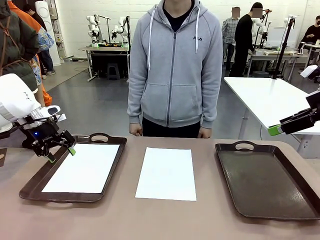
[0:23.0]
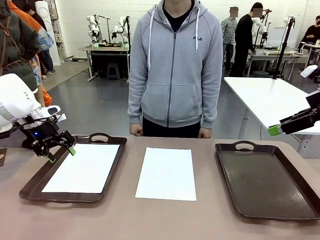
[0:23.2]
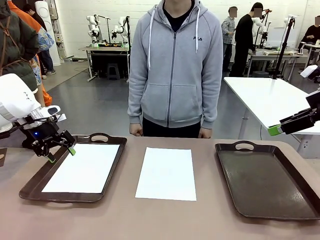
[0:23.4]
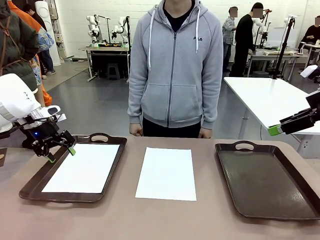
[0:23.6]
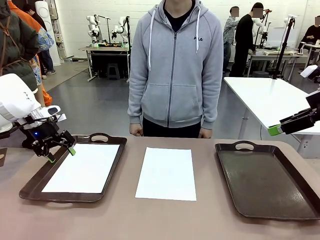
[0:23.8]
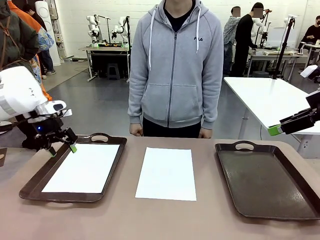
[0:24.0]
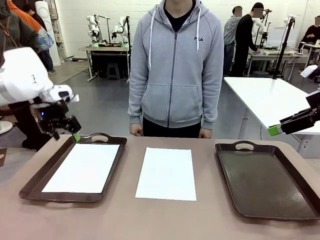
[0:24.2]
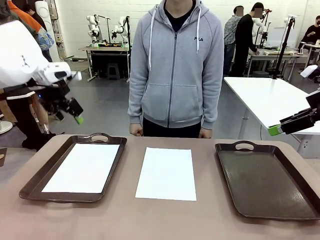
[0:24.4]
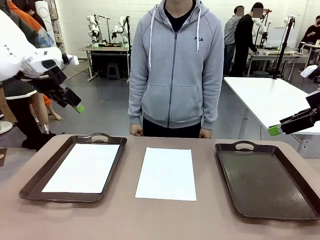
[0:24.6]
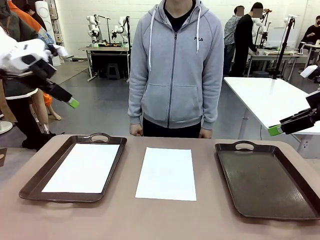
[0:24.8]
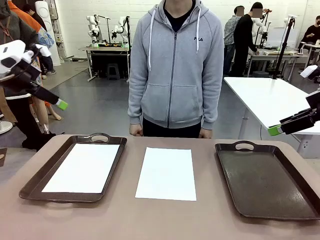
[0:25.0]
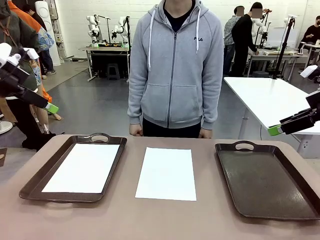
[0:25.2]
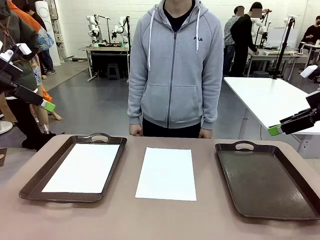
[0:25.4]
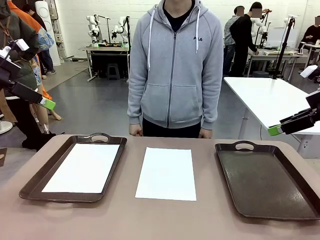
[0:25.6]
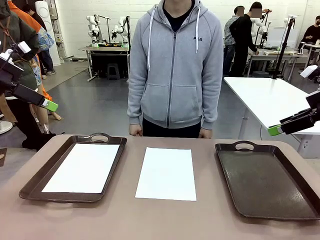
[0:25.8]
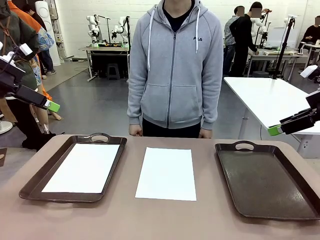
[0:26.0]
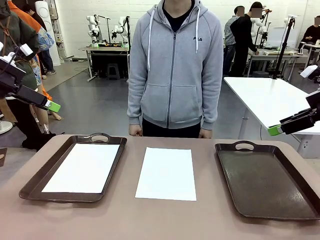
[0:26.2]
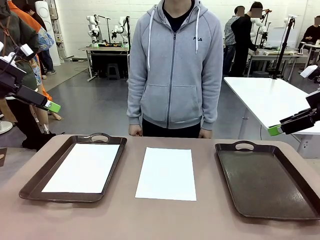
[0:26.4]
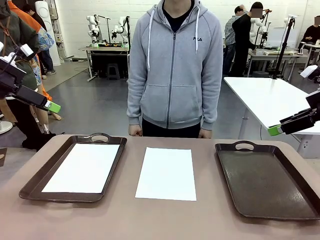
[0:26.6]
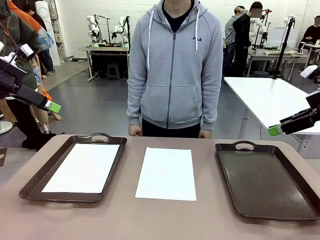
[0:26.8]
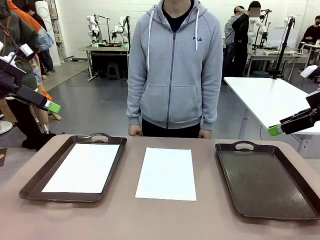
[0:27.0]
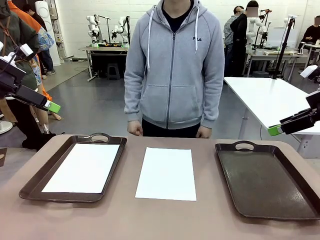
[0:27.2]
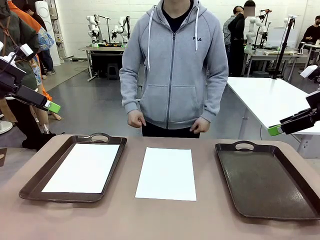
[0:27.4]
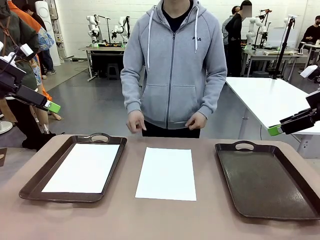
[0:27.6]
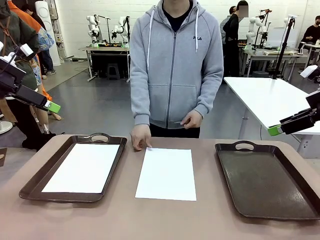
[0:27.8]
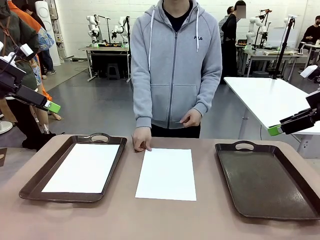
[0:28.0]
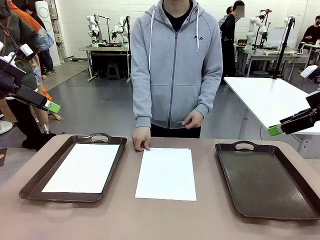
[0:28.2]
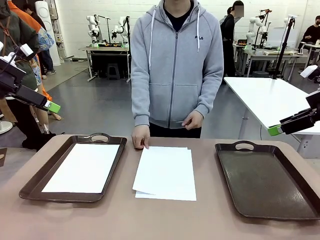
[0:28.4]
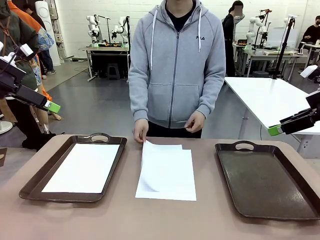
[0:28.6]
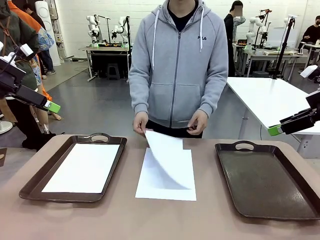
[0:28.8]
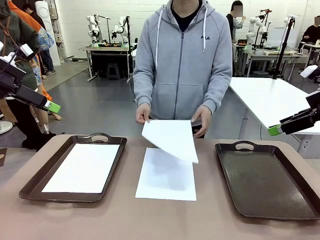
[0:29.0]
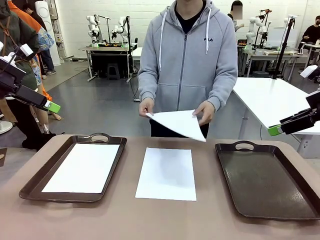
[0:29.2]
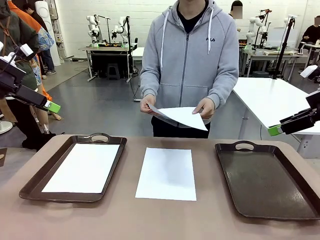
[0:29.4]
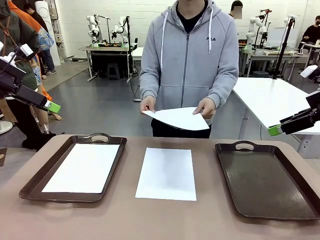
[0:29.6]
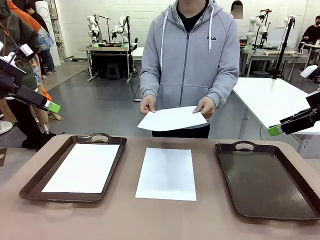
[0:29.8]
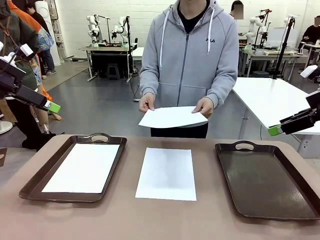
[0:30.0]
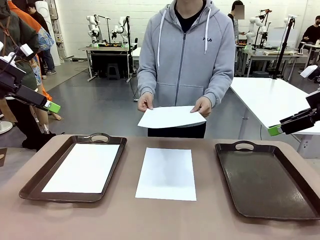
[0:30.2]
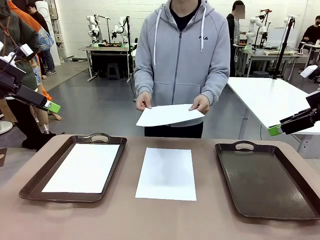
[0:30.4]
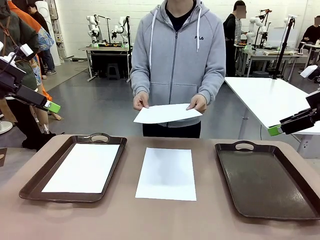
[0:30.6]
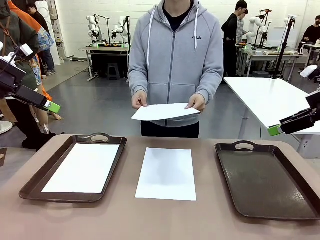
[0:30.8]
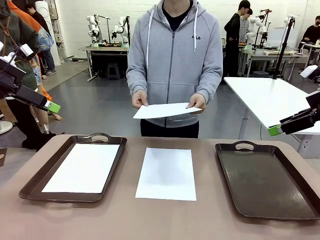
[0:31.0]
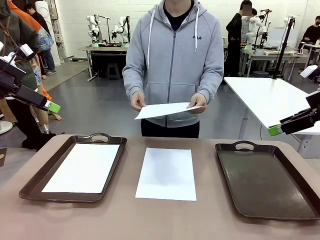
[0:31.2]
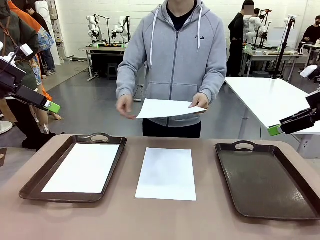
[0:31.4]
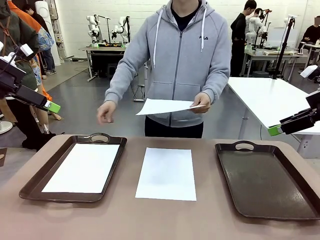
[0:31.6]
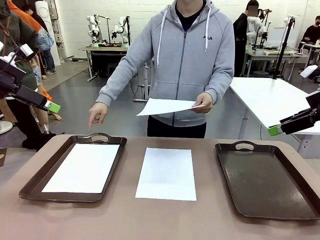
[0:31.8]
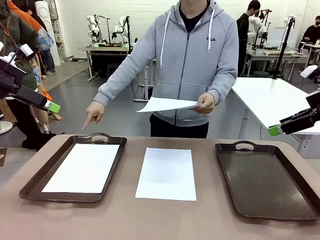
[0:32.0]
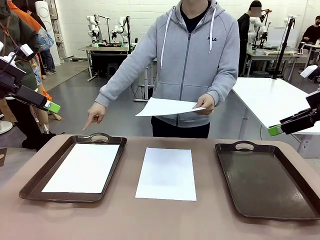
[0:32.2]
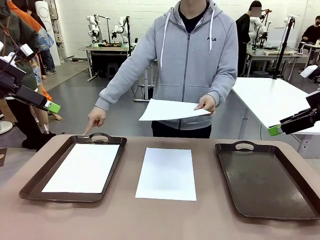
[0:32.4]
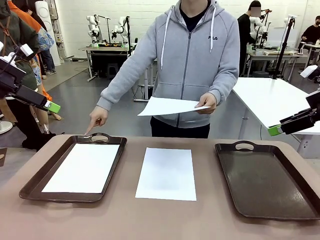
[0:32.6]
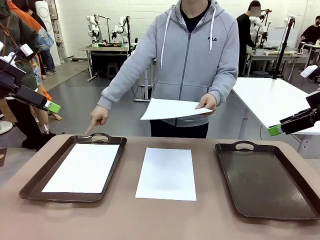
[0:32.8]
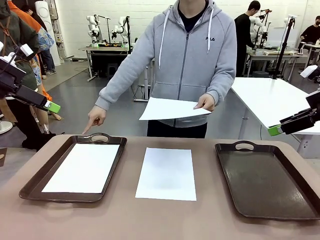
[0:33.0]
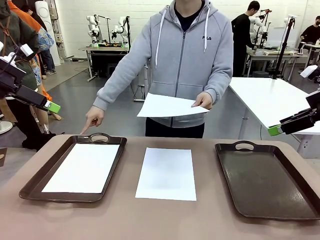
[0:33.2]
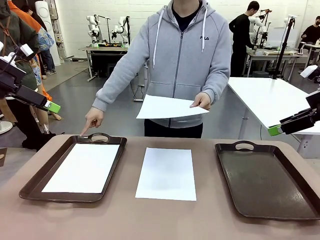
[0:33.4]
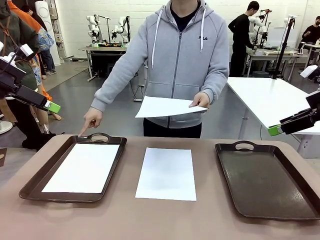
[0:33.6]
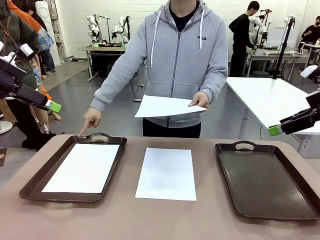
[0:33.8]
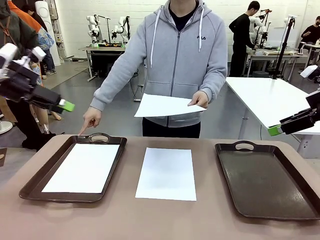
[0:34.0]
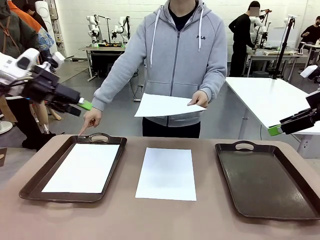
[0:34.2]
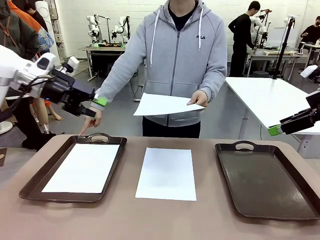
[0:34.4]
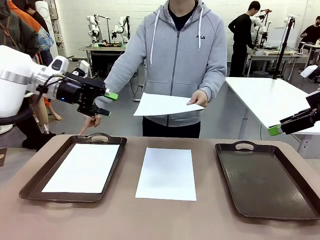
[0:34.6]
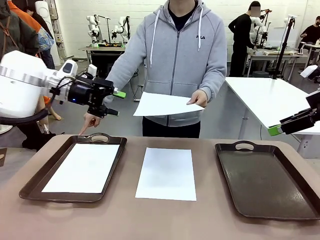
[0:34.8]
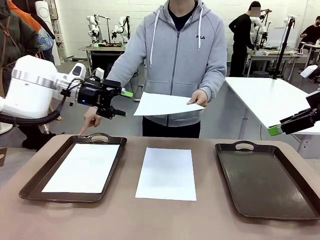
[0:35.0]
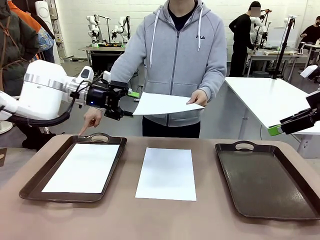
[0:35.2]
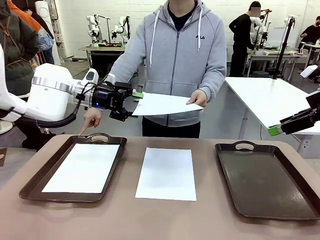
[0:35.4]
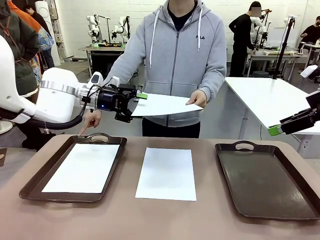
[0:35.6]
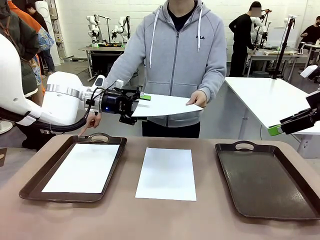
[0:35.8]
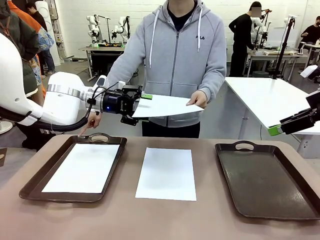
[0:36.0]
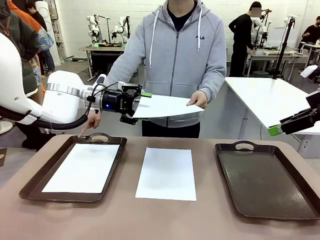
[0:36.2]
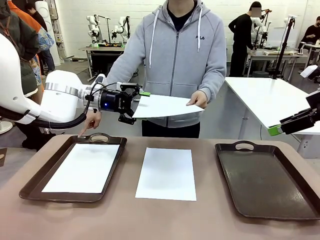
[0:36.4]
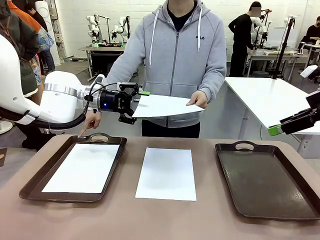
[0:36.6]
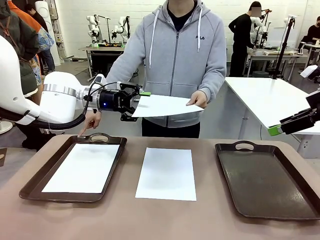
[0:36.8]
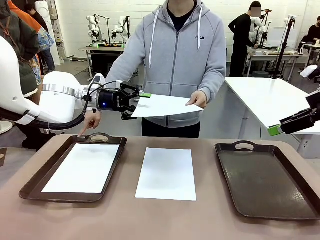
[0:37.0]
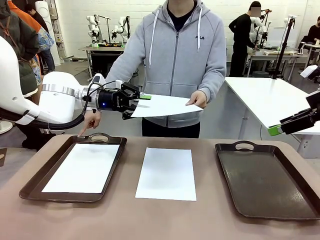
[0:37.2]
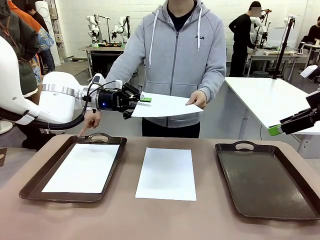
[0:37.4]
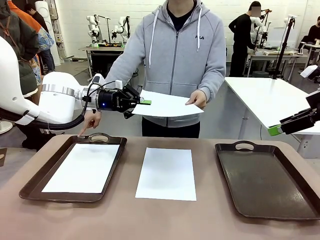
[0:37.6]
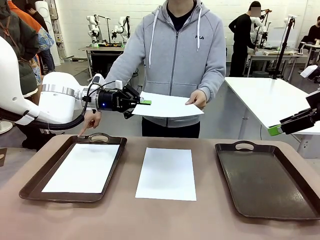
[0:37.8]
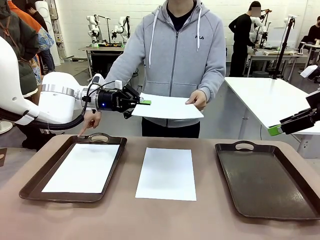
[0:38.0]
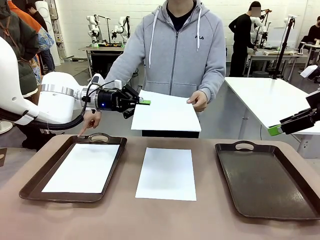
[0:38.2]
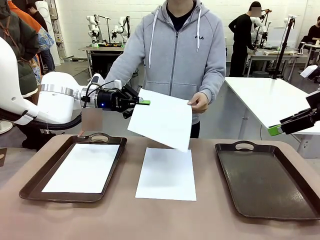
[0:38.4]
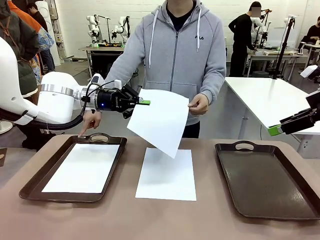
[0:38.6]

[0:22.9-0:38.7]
Task: Sort the A4 documents.
Robot: Receive the A4 Paper.
Person: Point the randomly selected tray with the other hand.

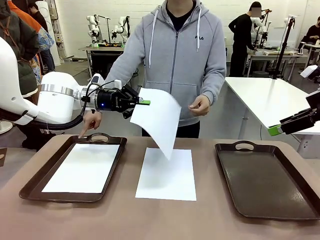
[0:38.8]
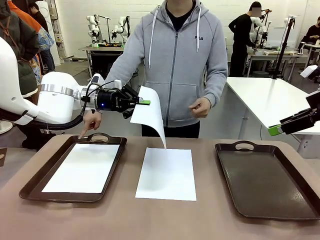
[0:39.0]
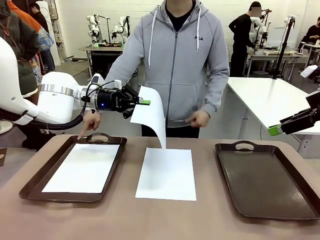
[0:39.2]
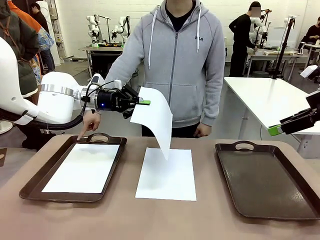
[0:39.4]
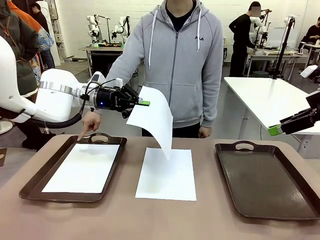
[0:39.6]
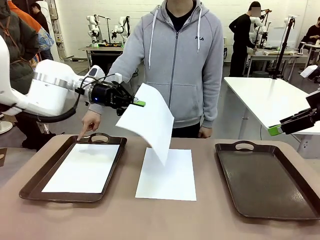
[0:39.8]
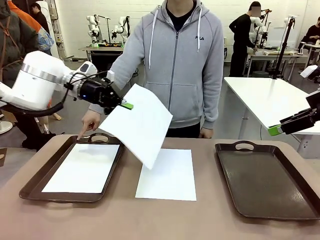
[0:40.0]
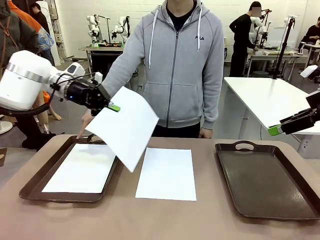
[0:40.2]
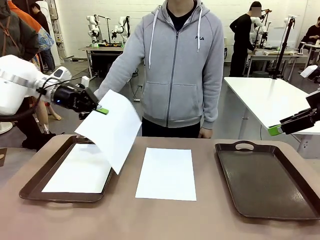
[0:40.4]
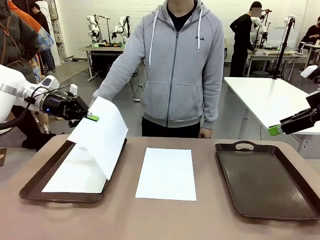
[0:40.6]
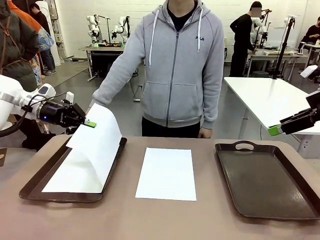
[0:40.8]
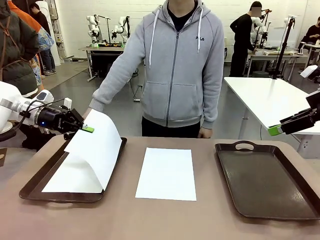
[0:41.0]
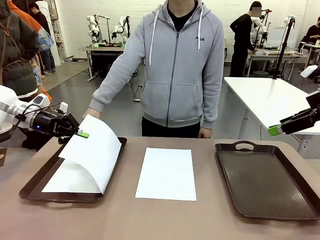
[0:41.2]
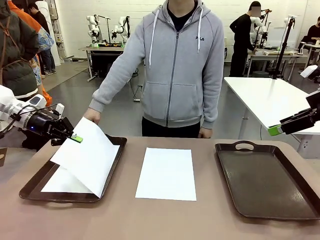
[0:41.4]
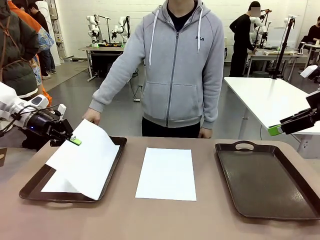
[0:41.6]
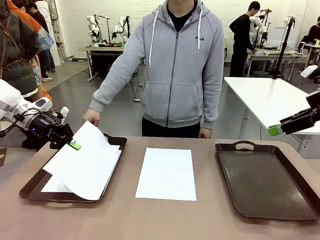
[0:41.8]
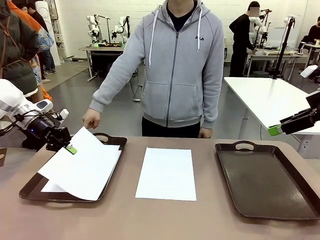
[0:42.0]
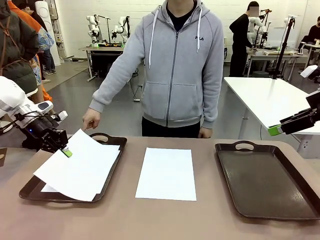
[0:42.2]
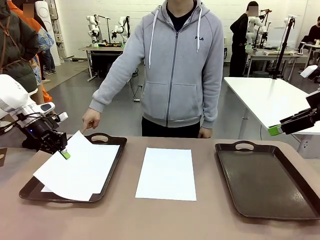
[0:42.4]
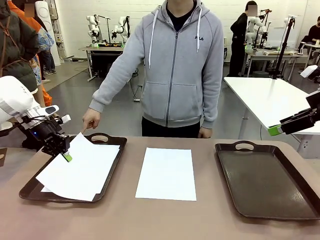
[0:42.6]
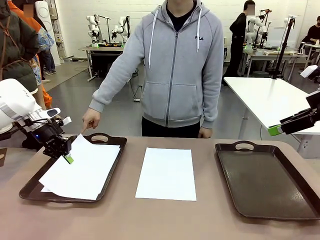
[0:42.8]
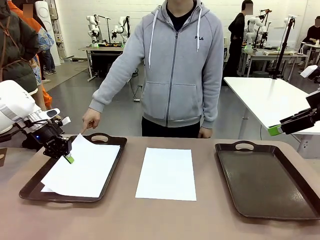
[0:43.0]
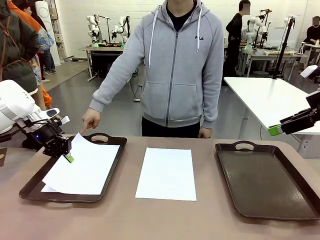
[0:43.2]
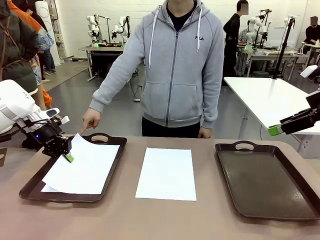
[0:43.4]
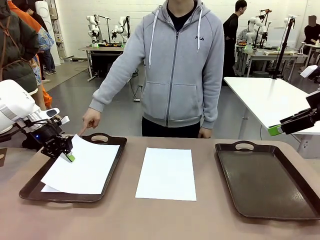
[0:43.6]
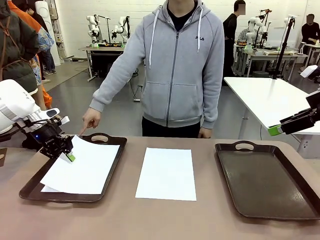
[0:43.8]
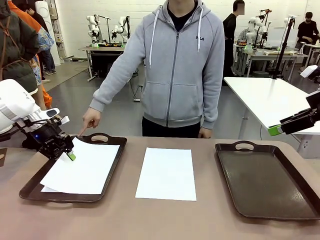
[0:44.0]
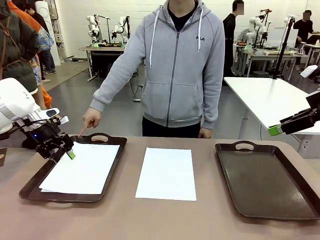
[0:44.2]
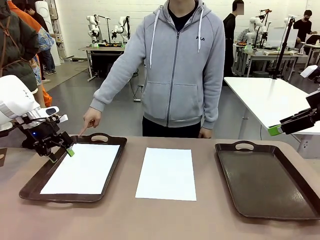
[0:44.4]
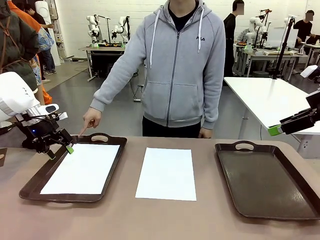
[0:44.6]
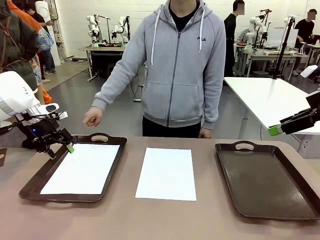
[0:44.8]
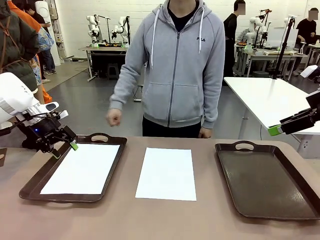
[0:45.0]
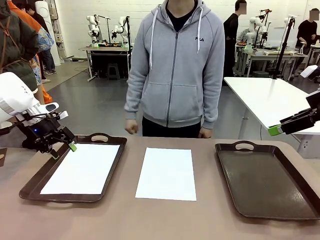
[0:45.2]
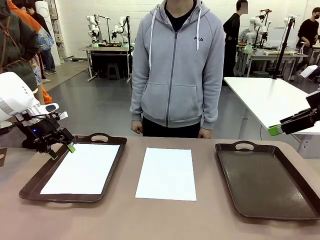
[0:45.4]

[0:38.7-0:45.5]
Robot: Place the A4 Paper in the designated Handle tray.
